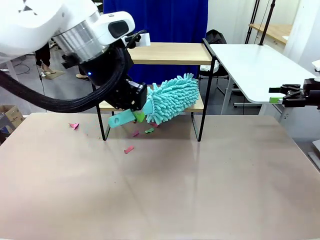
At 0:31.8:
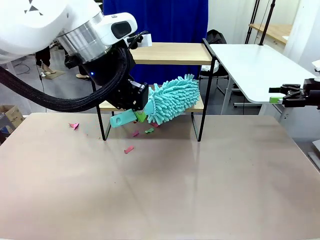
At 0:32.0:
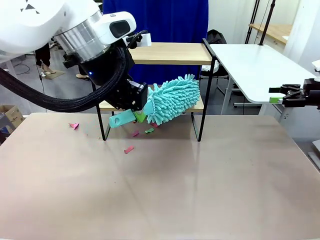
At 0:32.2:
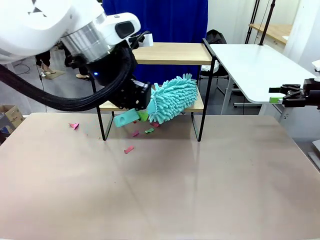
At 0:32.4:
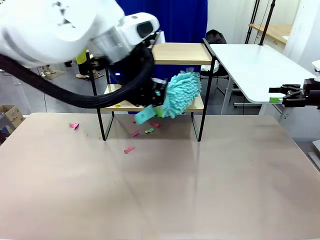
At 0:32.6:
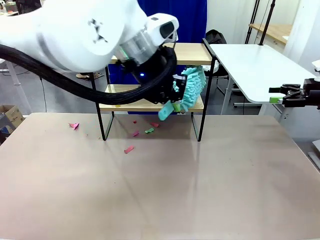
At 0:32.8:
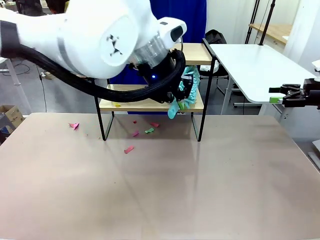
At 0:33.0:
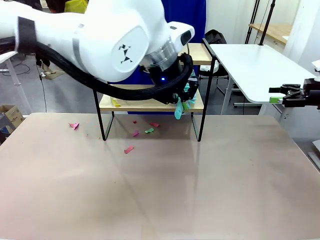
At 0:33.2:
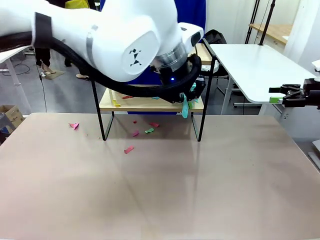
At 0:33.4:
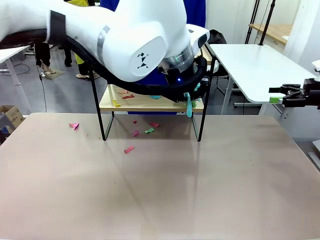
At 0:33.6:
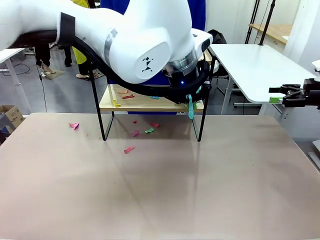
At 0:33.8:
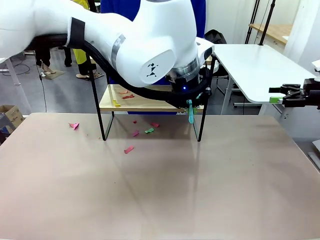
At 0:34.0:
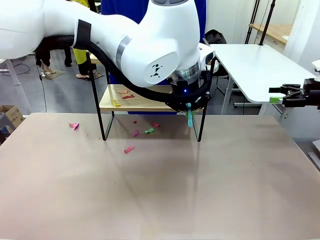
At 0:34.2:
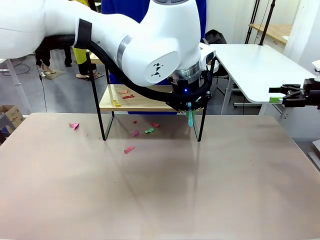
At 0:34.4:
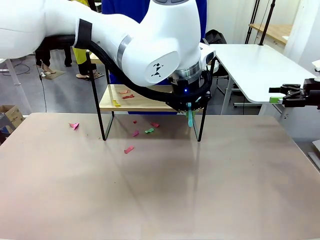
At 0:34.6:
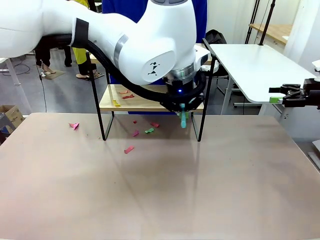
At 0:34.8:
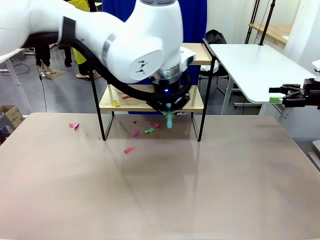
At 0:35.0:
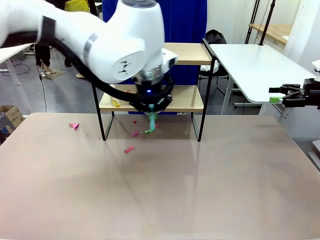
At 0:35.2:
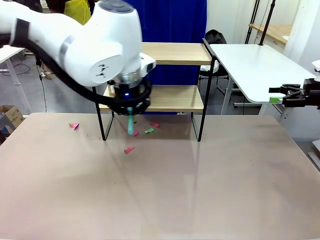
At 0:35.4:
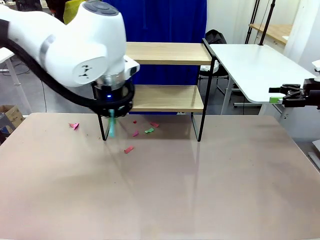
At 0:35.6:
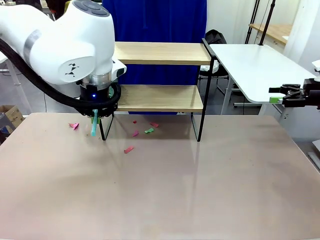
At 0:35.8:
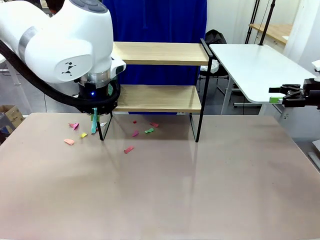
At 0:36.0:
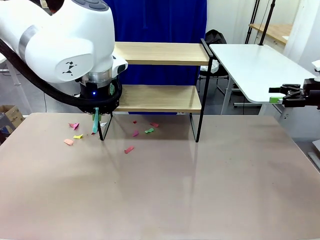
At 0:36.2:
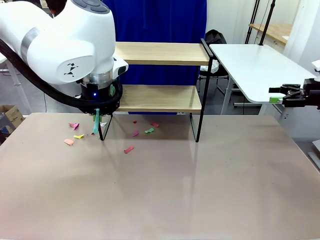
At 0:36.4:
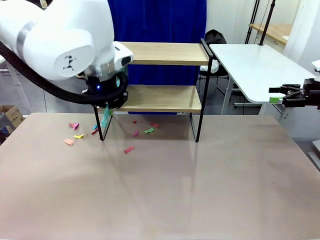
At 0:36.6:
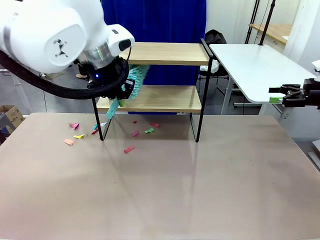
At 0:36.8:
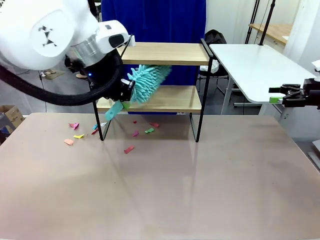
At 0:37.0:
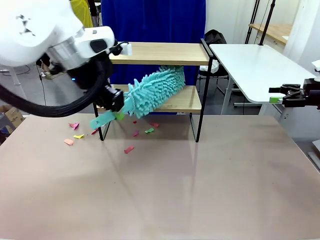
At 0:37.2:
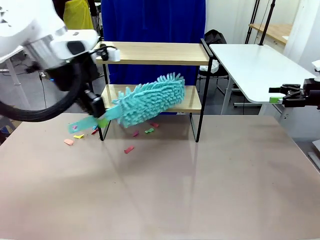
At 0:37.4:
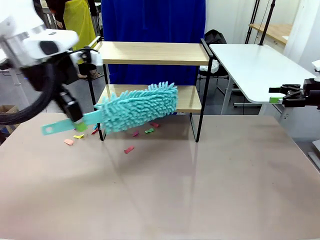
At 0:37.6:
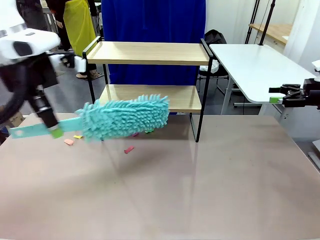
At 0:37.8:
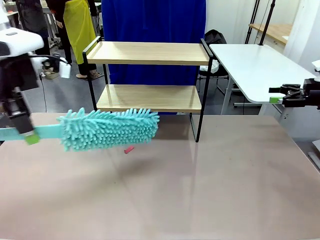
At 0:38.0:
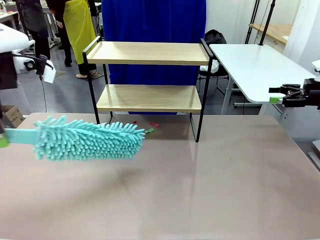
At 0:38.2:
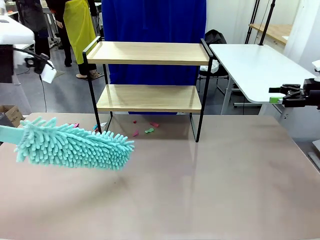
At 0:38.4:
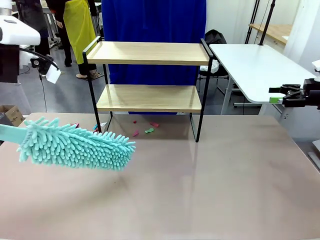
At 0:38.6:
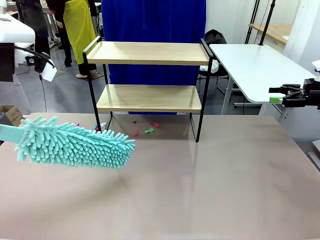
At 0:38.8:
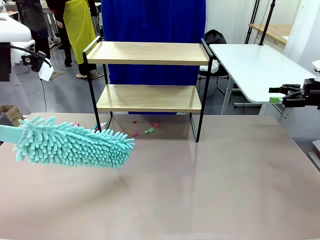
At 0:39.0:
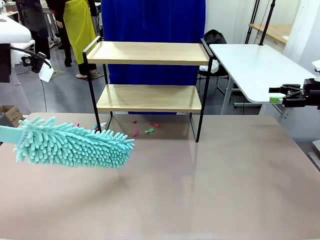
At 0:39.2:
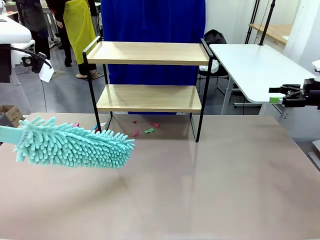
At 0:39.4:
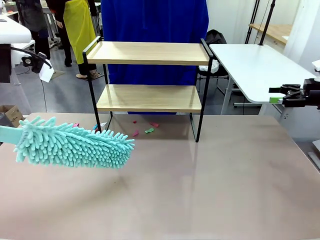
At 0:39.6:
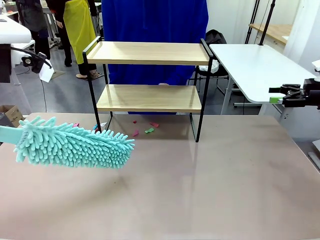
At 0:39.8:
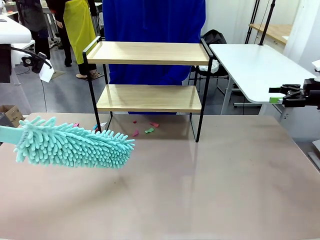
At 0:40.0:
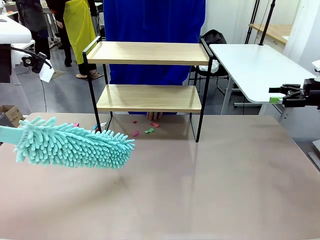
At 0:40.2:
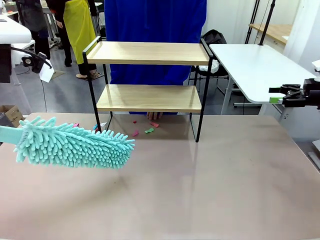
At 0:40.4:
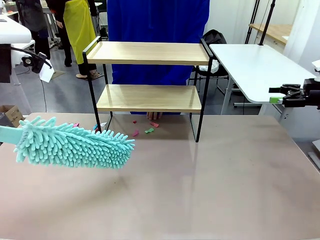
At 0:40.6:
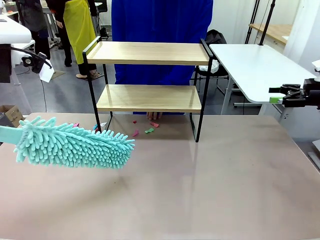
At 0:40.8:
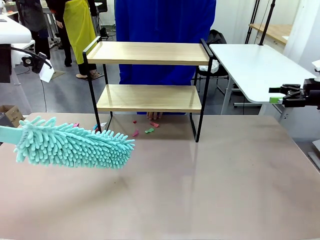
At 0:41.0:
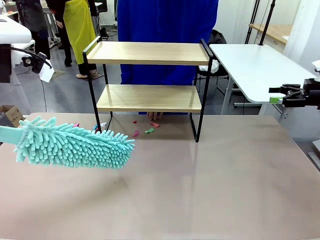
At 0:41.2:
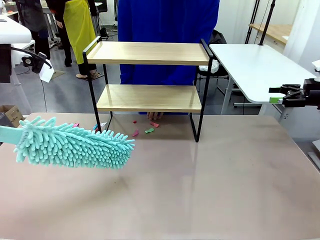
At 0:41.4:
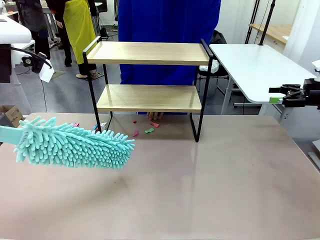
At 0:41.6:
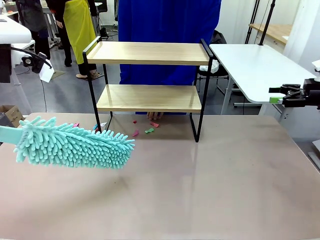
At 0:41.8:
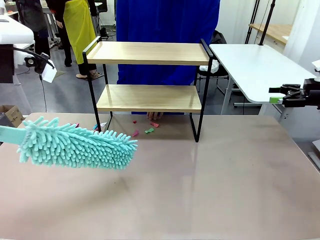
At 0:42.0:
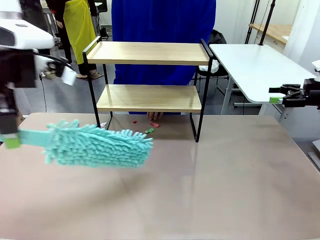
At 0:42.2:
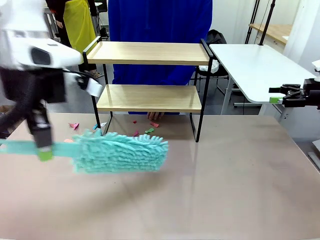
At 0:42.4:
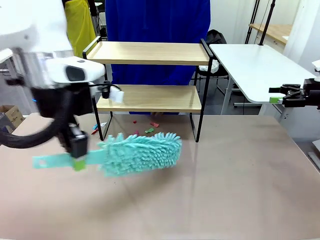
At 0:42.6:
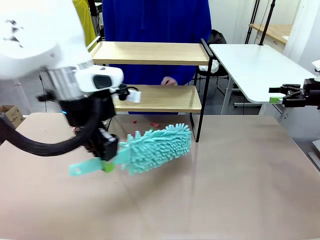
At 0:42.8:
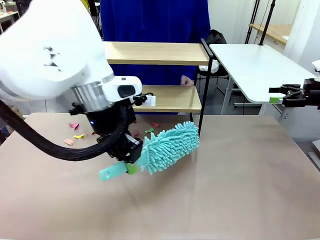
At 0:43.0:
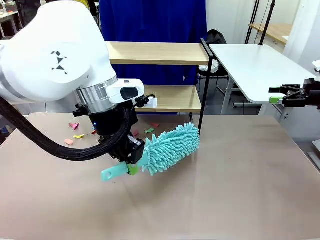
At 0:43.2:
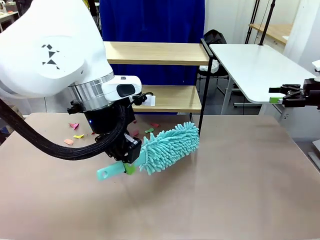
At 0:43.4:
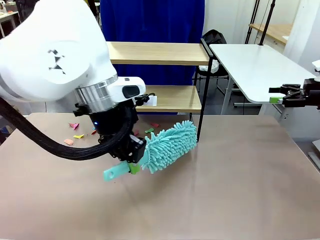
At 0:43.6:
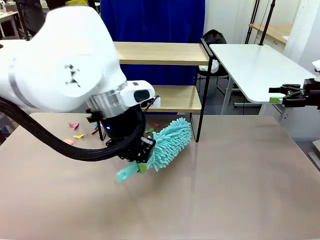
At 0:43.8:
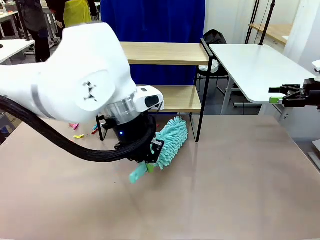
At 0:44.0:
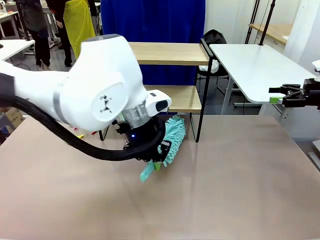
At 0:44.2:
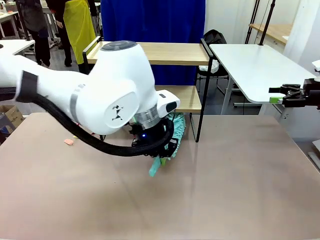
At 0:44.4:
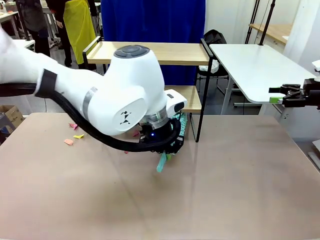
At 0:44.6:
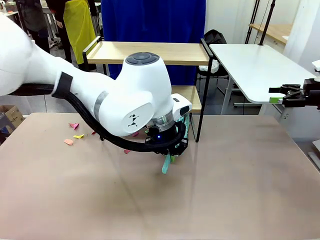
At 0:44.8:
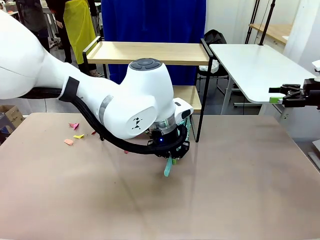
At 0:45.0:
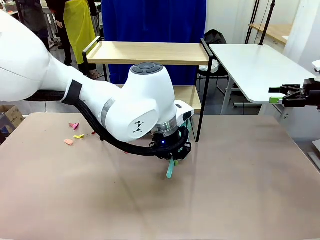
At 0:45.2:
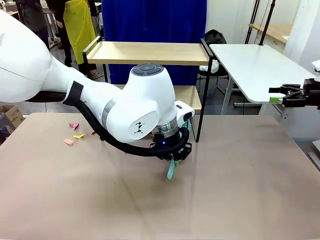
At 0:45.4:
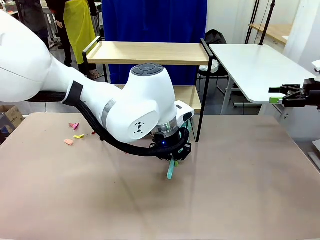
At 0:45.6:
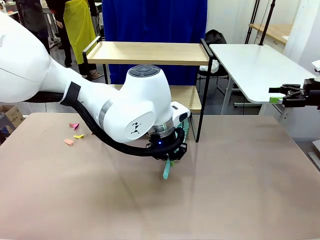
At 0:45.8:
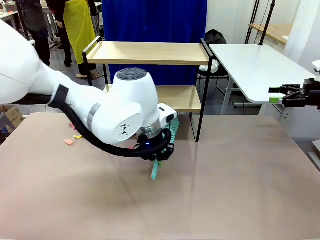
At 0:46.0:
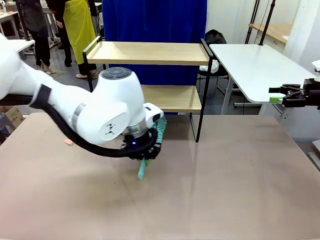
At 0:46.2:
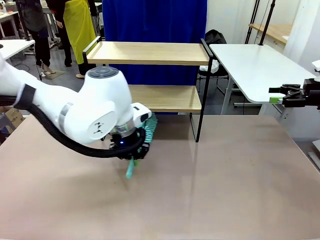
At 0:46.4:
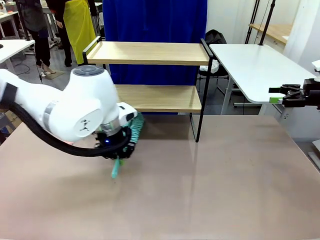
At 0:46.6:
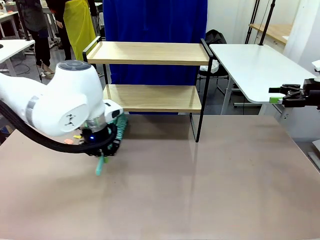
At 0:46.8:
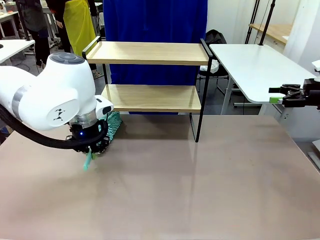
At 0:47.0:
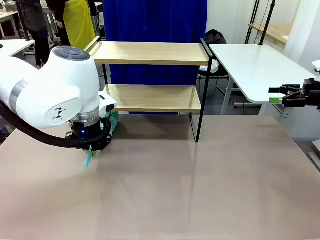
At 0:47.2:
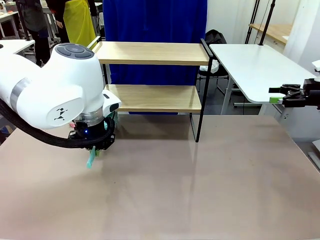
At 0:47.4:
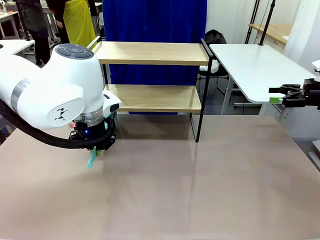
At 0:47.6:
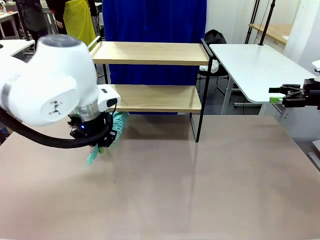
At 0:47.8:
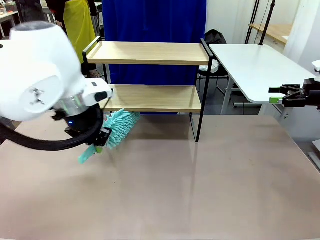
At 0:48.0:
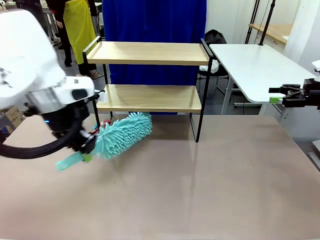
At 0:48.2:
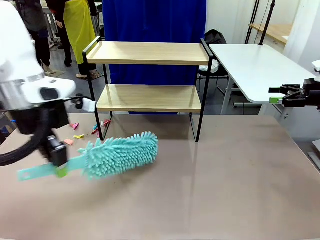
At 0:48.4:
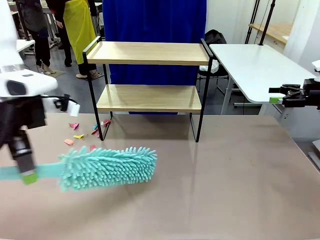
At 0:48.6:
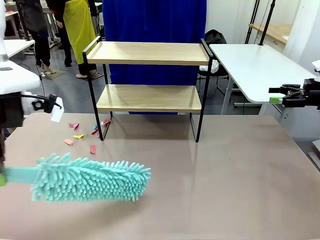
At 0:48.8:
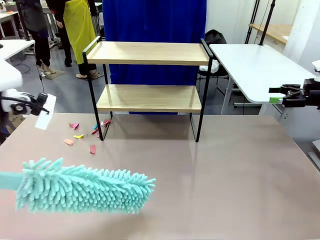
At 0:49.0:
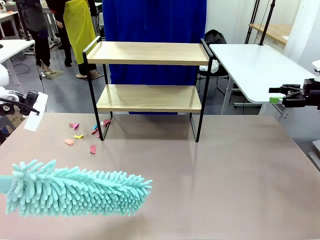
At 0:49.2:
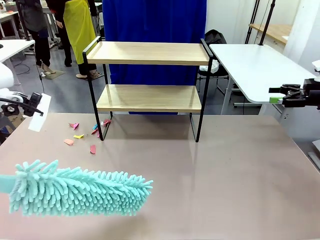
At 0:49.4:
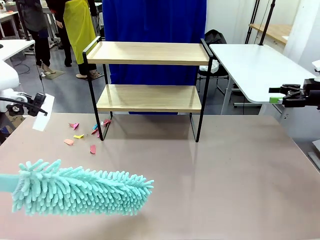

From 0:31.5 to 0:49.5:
Task: Clean the shelf.
Robot: Clean the specific section of the Shelf indicated by the human with the Duster.
Person: Point a remaining section of the Shelf.
